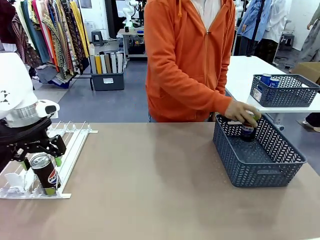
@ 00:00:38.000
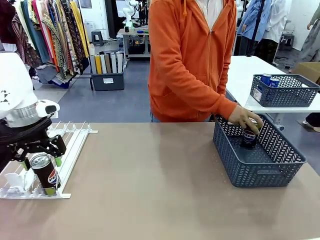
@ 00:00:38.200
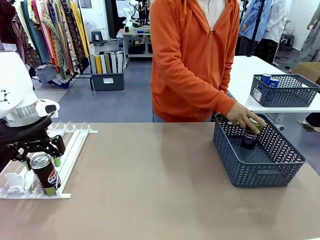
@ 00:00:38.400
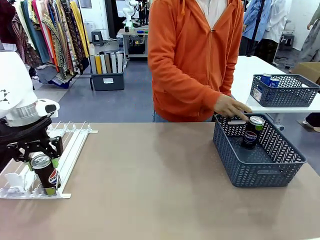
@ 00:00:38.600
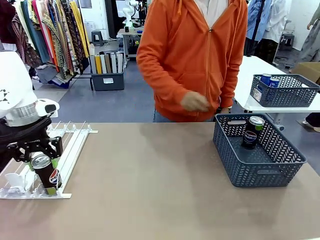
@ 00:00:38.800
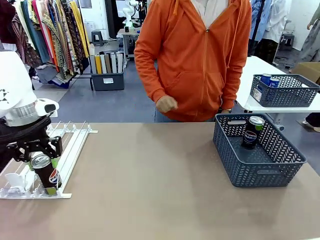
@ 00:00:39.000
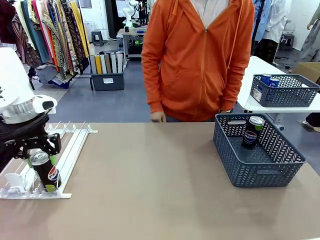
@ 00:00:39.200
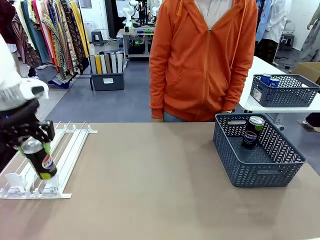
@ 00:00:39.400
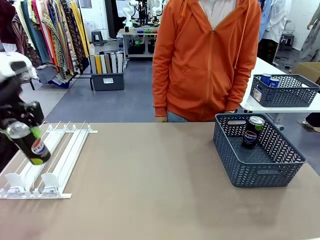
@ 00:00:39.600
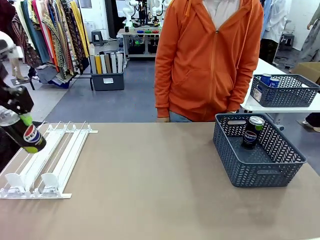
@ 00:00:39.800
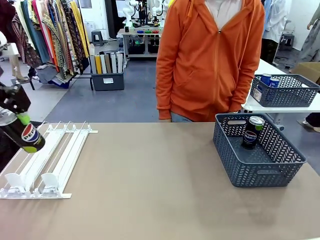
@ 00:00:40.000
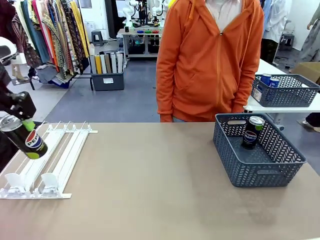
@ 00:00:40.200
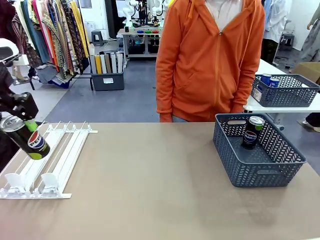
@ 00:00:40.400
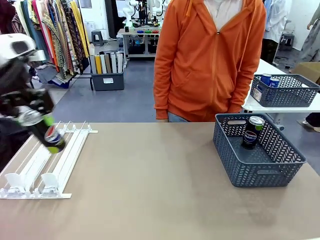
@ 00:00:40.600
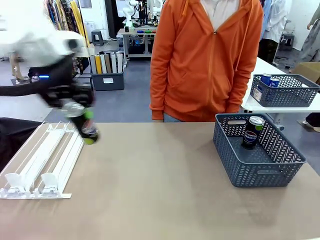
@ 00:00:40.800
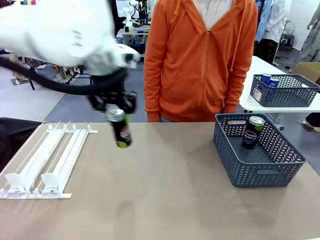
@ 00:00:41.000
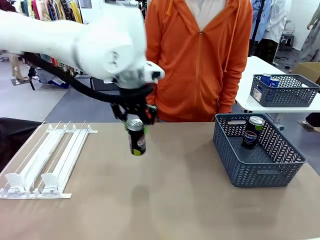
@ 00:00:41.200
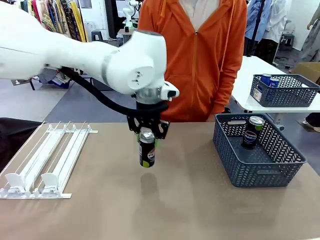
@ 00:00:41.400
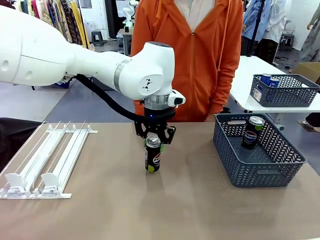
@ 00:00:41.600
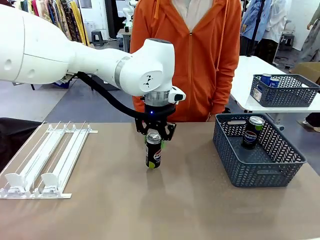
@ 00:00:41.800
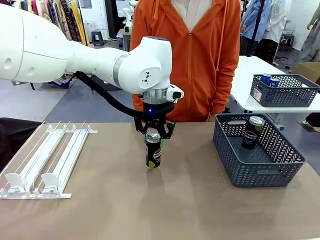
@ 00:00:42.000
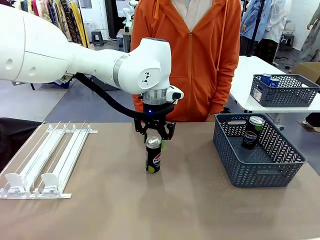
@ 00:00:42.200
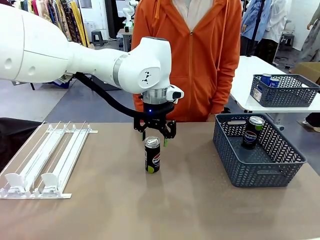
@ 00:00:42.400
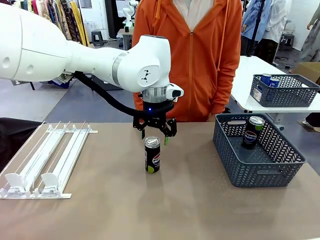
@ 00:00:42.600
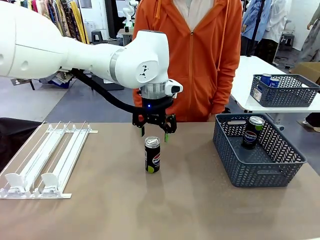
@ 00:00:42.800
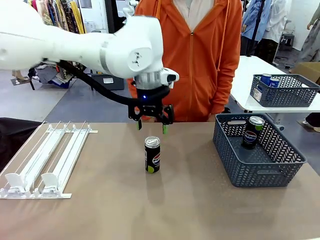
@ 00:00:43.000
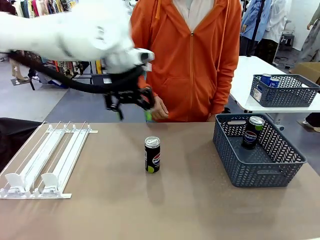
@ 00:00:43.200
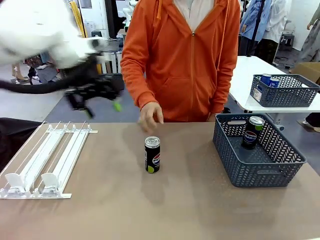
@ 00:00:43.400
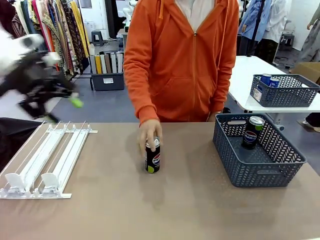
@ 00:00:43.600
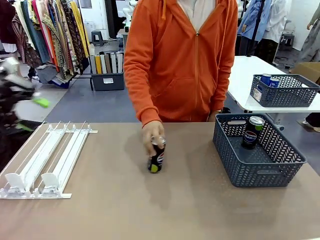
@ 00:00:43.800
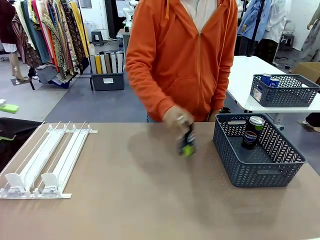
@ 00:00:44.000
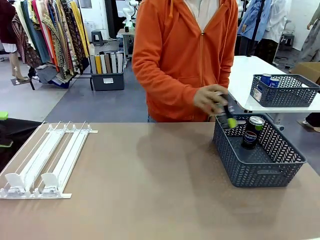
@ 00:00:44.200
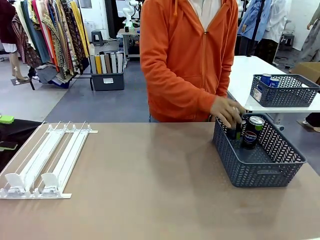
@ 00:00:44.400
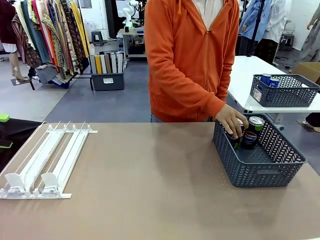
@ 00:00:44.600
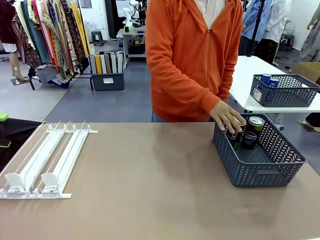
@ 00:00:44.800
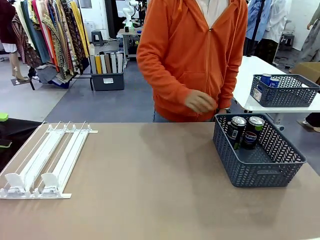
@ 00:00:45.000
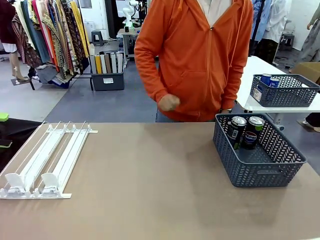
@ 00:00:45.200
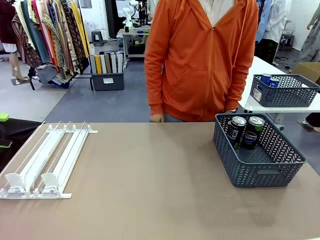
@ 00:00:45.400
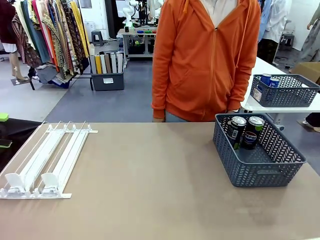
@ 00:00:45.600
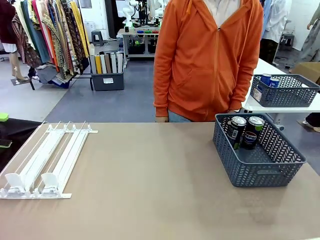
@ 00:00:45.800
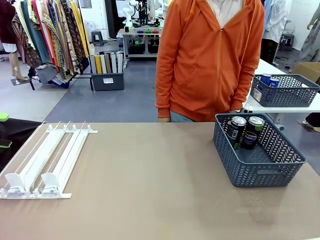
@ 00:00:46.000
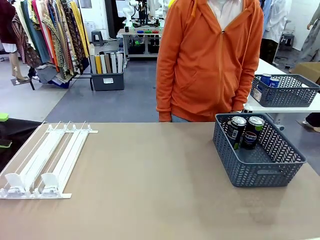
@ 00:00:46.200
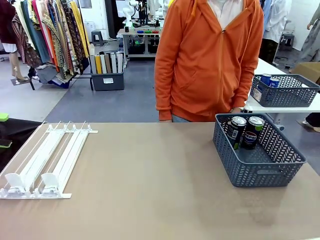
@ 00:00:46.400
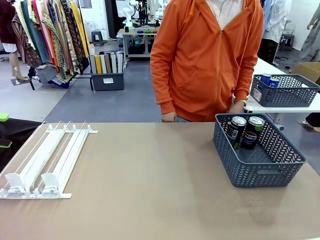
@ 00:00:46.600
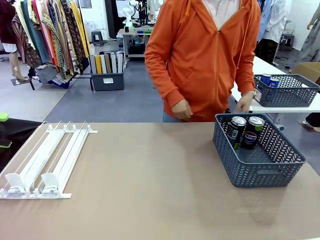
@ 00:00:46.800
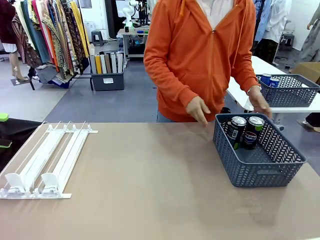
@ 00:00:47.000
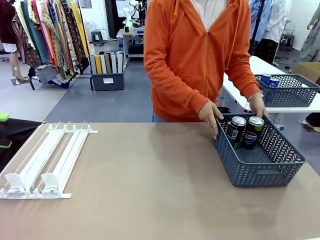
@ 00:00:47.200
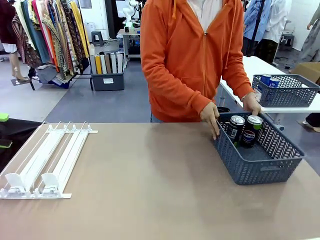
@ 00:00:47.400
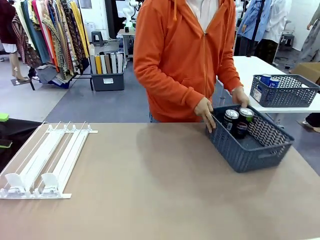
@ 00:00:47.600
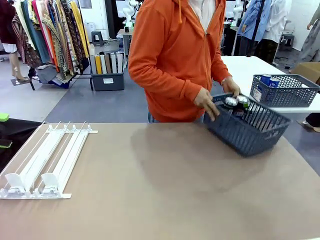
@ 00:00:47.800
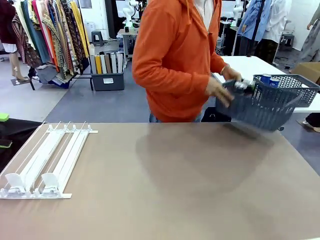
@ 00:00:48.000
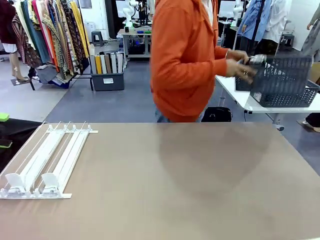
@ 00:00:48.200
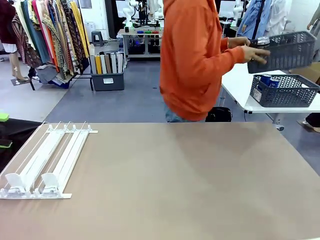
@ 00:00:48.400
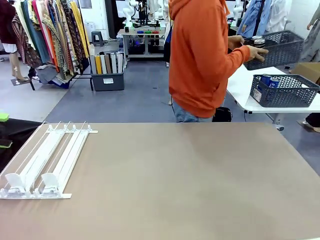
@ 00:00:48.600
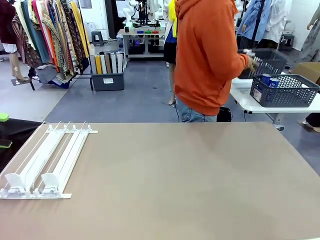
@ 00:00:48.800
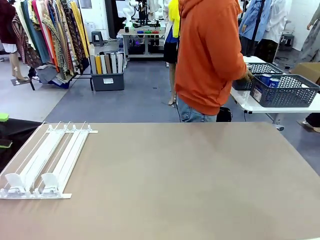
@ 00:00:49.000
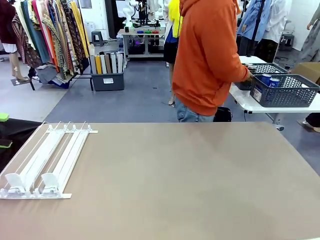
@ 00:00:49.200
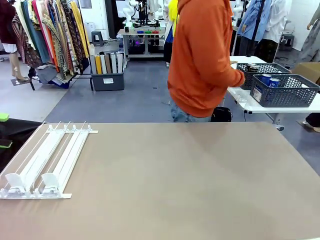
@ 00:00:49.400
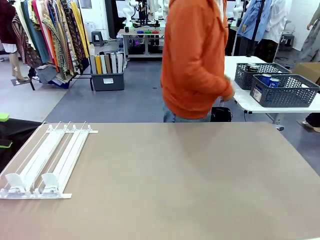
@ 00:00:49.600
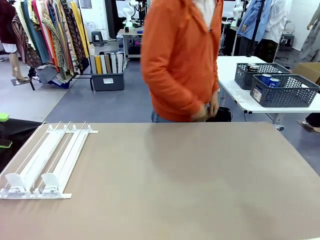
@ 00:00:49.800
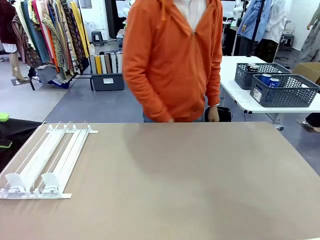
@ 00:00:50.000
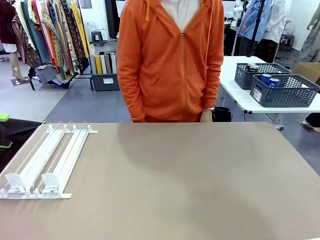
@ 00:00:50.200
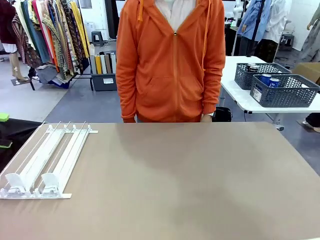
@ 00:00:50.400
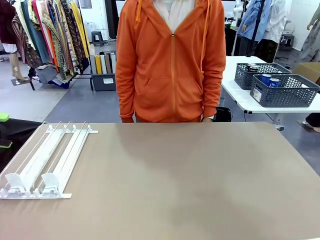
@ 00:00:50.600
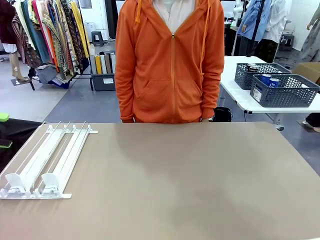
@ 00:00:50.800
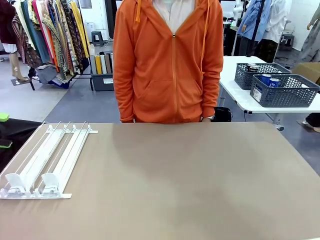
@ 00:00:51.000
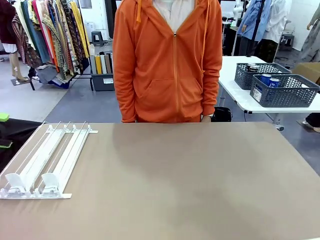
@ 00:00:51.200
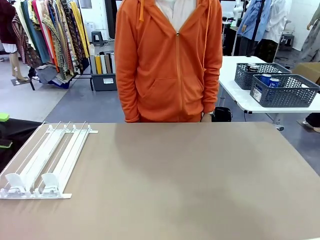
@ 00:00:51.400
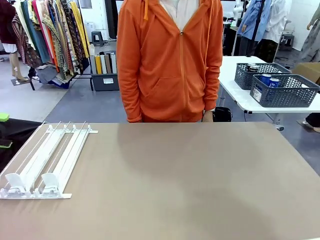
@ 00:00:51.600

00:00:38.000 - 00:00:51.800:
Task: Retrieve and store the cans from the dispenser.
Robot: Pick up one can from the Automatic Can Dispenser and place it in the middle of the table.
Person: Pick up one sports drink can from the middle of the robot table and place it in the basket. Pick up the basket and place it in the middle of the human table.

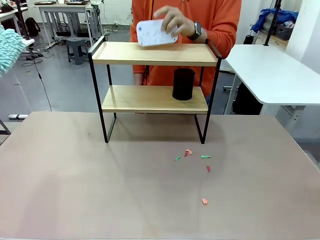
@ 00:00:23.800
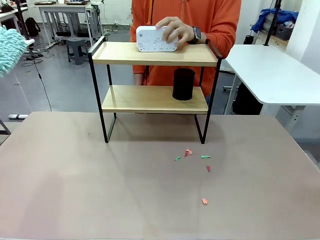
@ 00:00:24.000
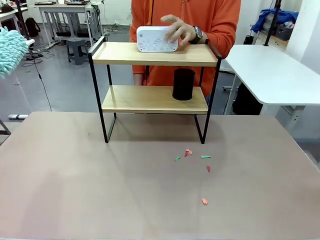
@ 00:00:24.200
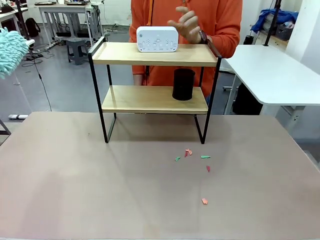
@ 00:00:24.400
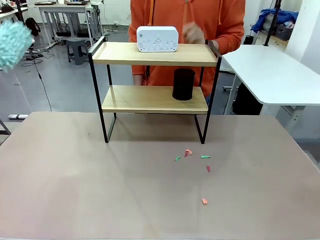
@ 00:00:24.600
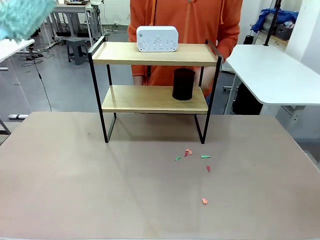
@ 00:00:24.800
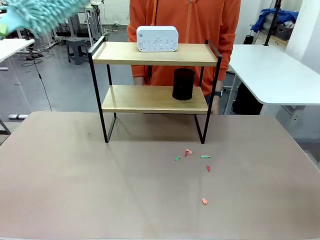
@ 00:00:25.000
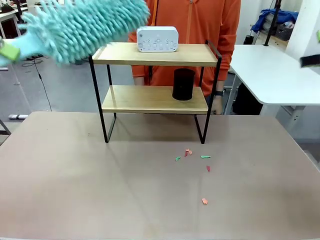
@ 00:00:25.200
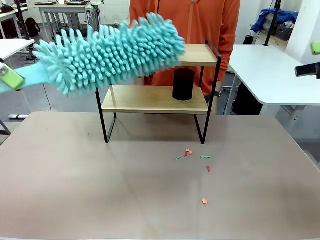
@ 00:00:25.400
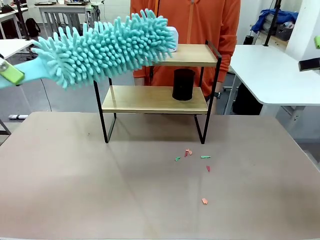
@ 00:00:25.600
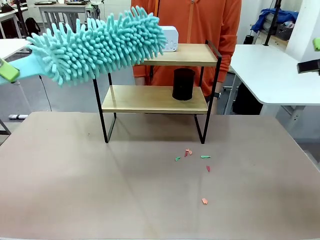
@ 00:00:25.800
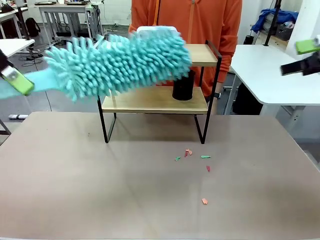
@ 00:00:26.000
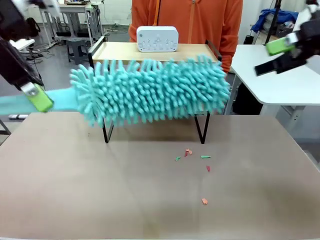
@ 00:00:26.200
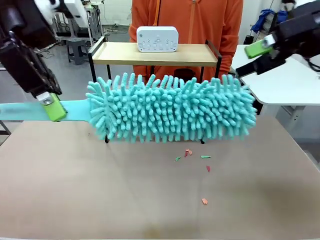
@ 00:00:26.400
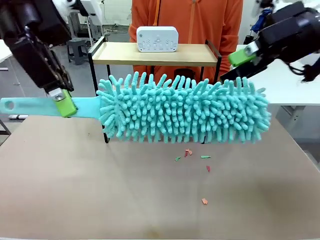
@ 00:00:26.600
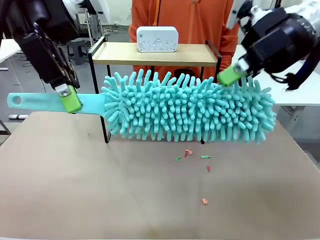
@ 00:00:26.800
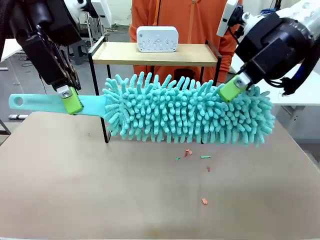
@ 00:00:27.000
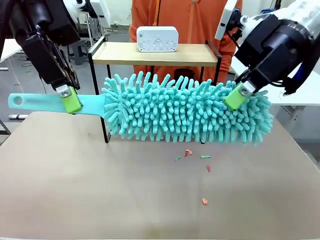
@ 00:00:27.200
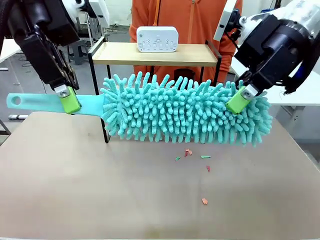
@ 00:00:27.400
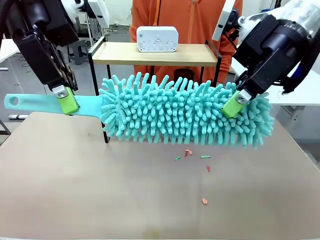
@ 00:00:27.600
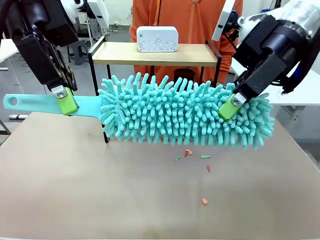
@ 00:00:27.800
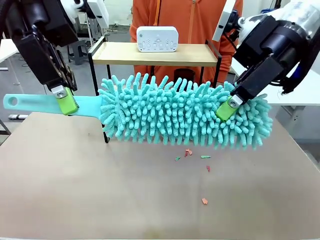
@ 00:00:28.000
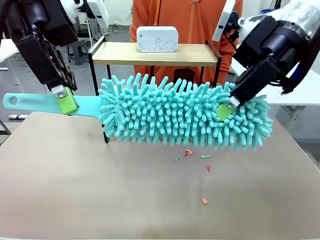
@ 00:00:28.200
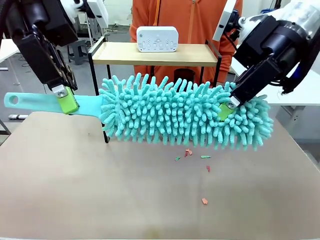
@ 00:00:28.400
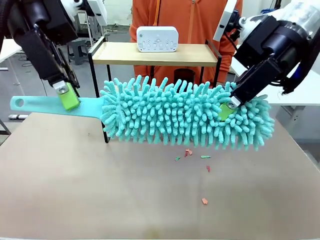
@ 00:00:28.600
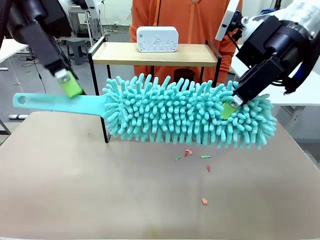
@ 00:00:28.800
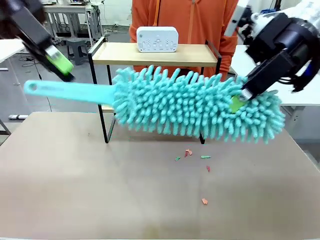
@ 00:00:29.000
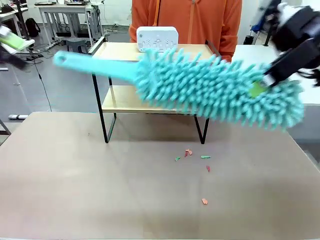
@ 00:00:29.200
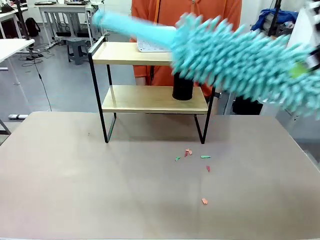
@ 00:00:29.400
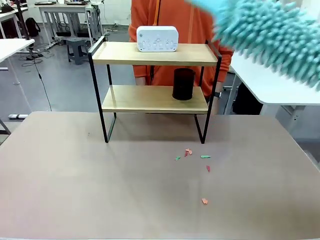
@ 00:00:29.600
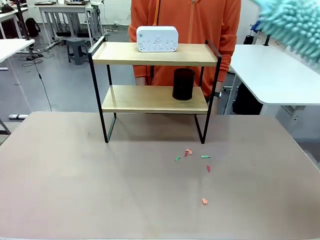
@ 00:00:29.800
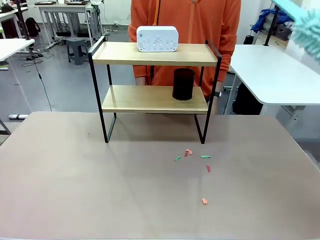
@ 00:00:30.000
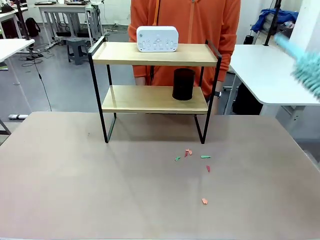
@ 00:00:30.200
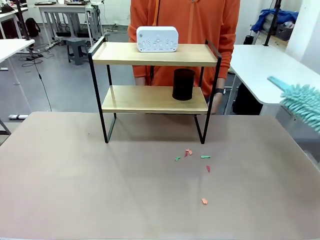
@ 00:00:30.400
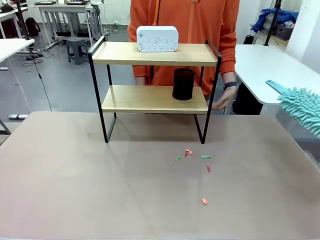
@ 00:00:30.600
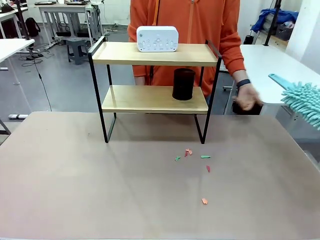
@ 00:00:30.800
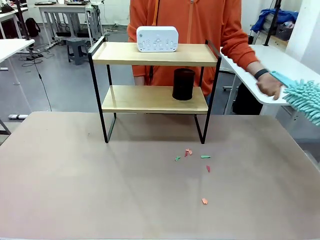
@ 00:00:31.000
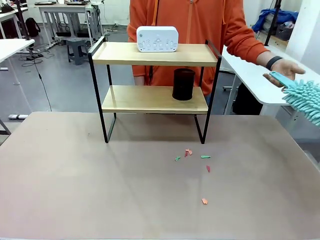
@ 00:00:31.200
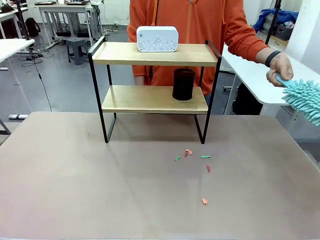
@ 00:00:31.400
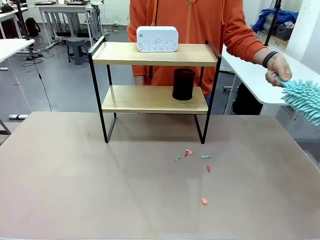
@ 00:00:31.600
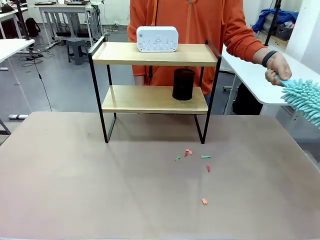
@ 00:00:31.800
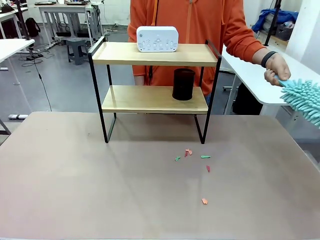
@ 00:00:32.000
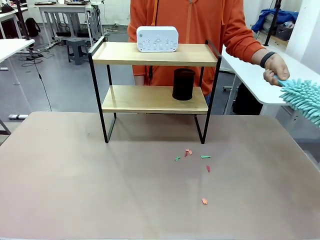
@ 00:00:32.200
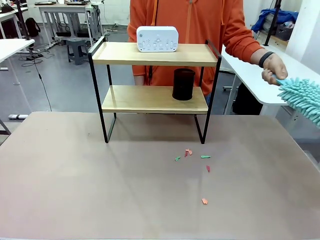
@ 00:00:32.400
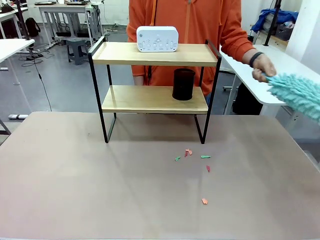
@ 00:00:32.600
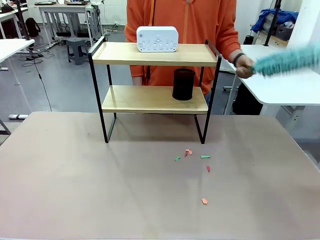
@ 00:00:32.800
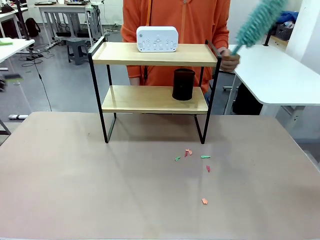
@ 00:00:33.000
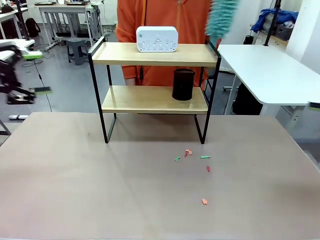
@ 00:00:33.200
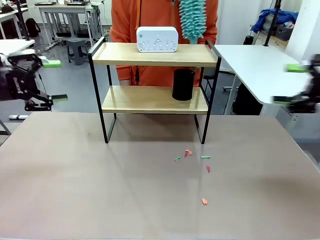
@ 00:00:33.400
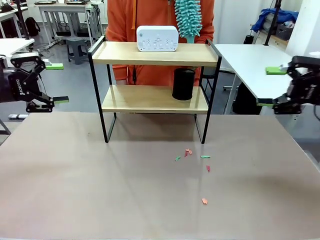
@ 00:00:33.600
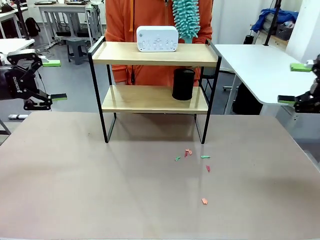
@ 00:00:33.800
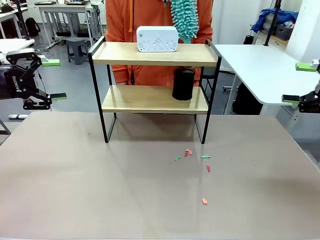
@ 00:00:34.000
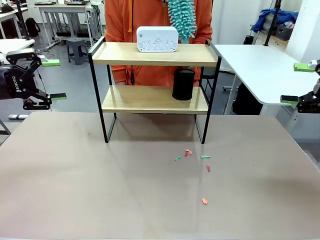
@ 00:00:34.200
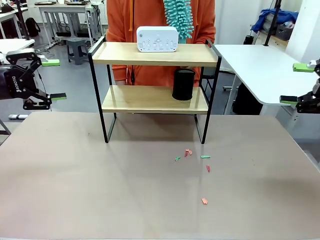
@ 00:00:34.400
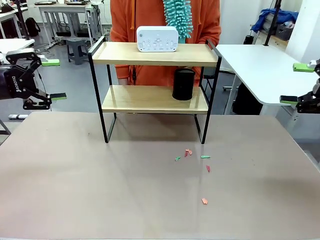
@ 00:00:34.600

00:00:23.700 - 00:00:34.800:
Task: Clean the shelf.
Robot: Hand the Duster back to the human.
Person: Receive the Duster from the robot.
